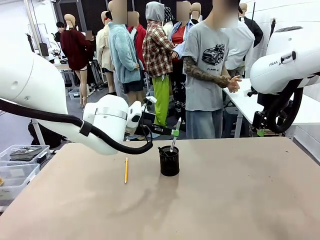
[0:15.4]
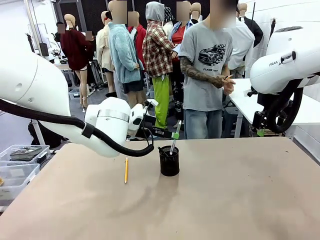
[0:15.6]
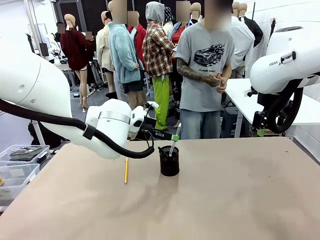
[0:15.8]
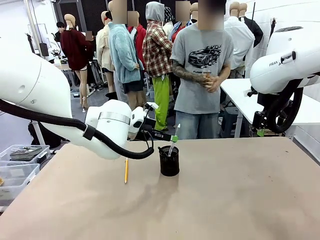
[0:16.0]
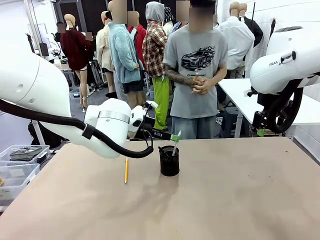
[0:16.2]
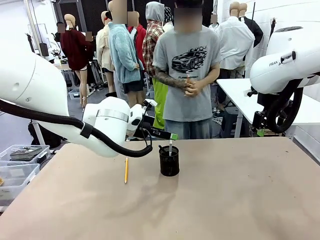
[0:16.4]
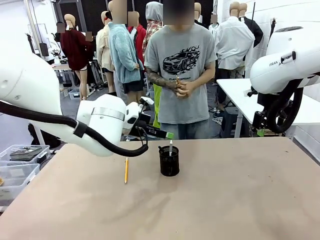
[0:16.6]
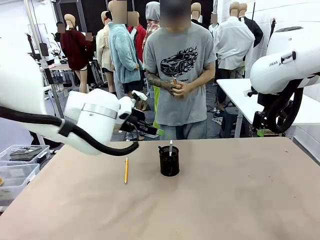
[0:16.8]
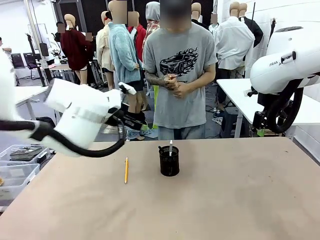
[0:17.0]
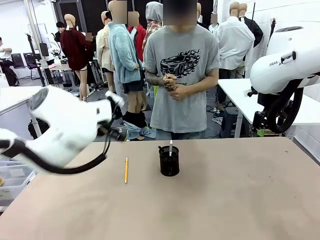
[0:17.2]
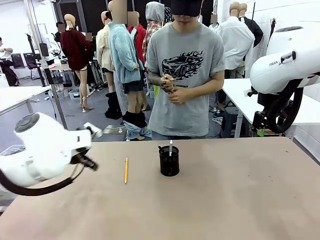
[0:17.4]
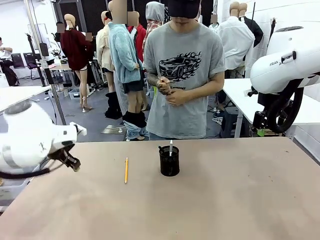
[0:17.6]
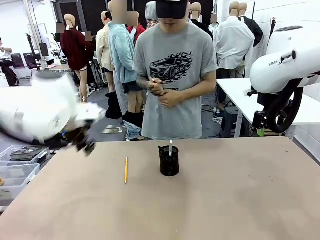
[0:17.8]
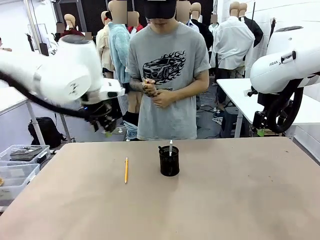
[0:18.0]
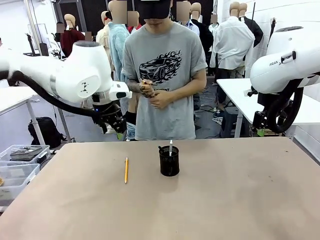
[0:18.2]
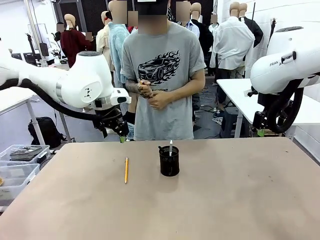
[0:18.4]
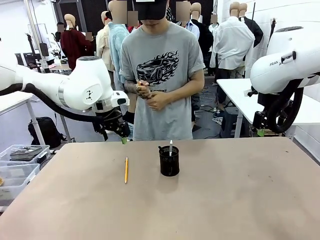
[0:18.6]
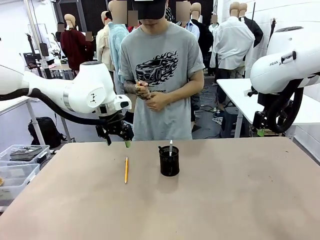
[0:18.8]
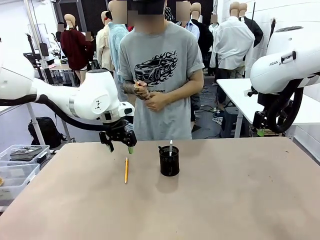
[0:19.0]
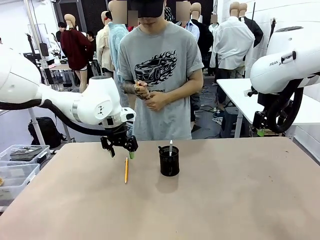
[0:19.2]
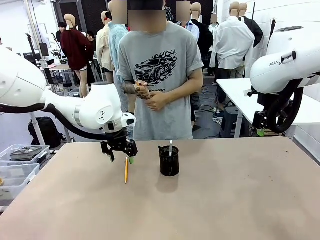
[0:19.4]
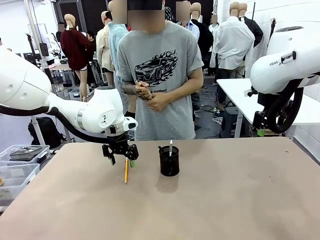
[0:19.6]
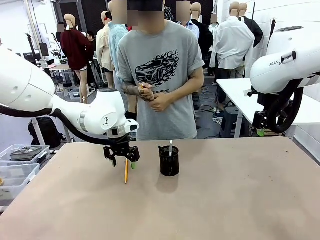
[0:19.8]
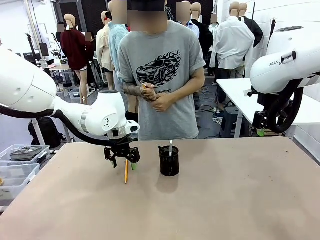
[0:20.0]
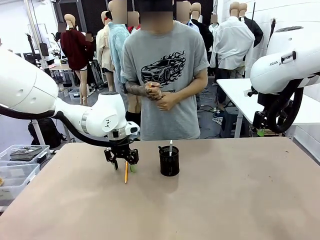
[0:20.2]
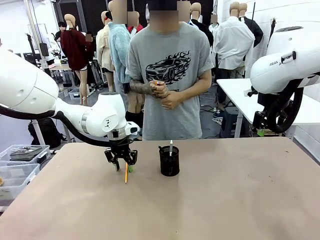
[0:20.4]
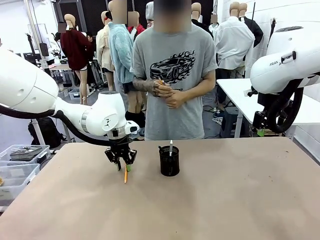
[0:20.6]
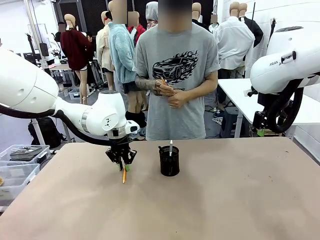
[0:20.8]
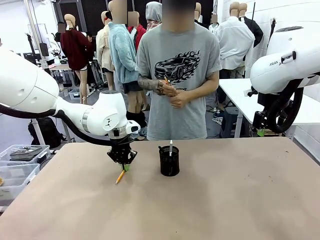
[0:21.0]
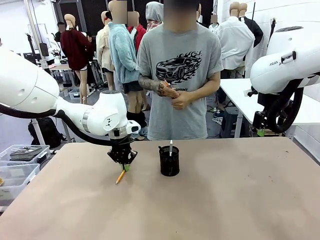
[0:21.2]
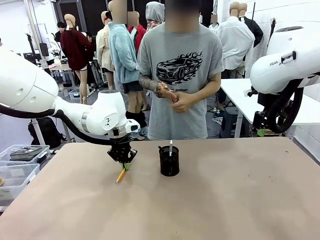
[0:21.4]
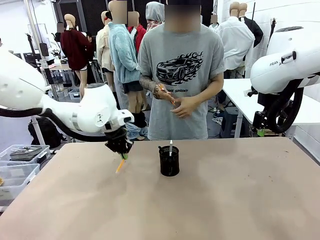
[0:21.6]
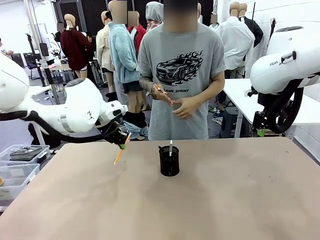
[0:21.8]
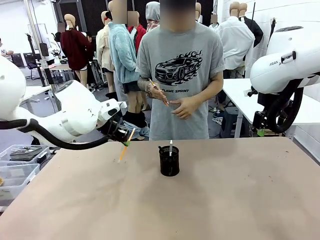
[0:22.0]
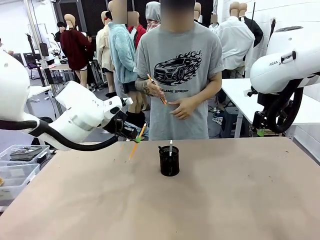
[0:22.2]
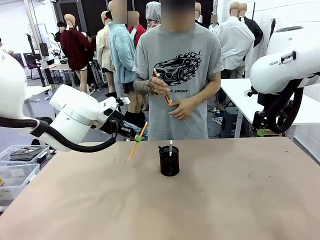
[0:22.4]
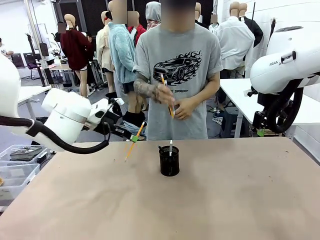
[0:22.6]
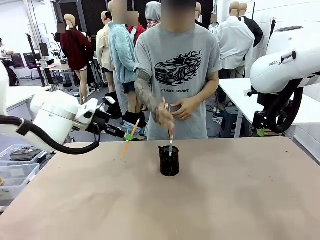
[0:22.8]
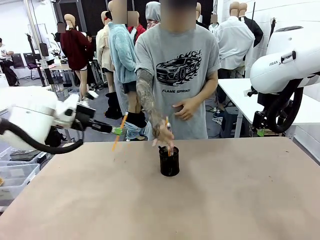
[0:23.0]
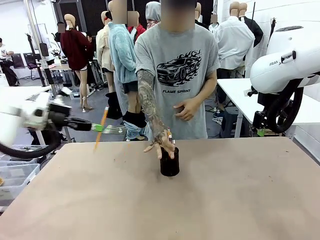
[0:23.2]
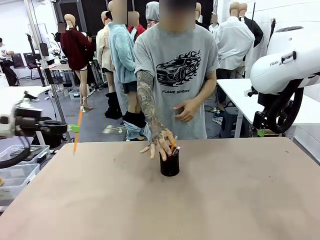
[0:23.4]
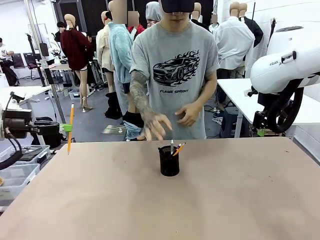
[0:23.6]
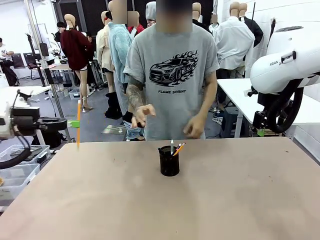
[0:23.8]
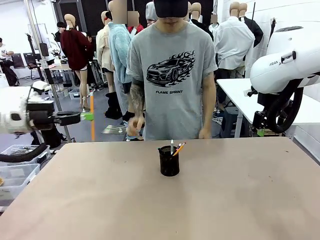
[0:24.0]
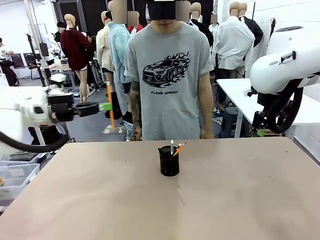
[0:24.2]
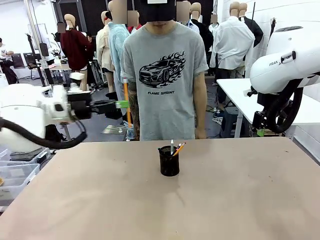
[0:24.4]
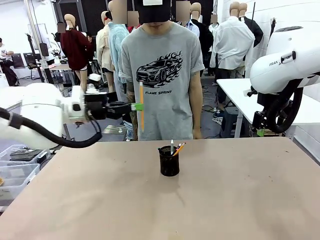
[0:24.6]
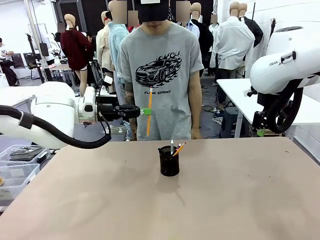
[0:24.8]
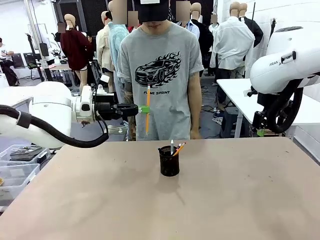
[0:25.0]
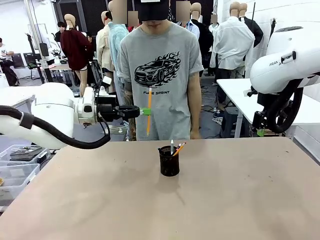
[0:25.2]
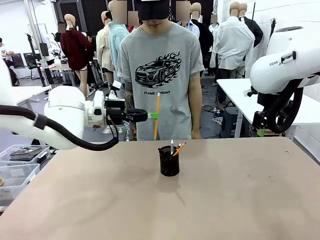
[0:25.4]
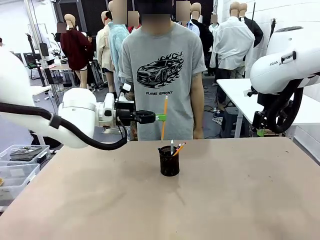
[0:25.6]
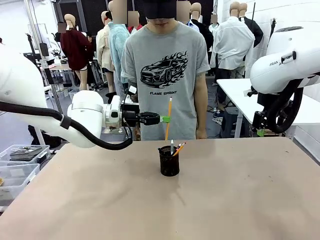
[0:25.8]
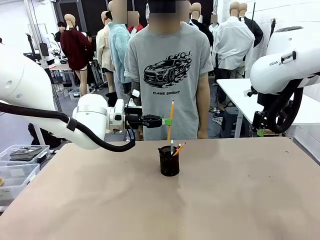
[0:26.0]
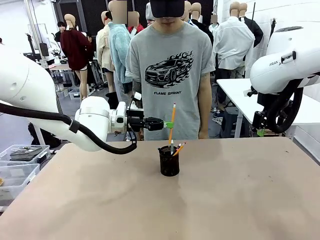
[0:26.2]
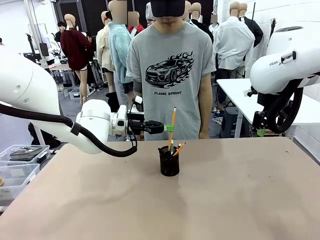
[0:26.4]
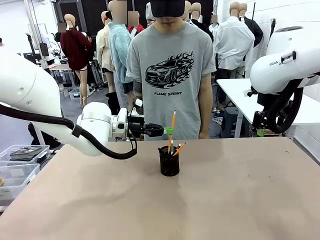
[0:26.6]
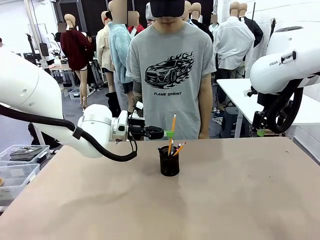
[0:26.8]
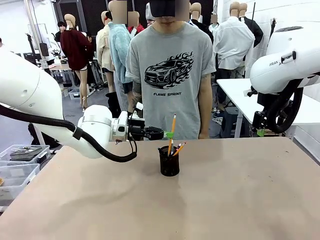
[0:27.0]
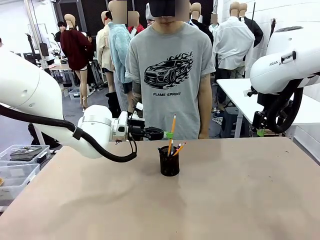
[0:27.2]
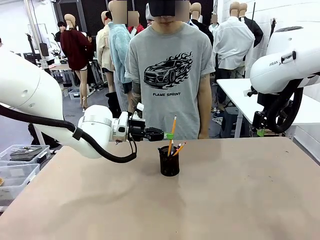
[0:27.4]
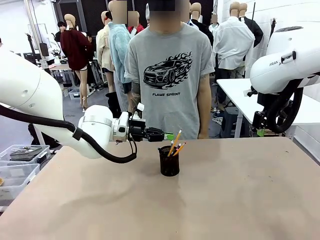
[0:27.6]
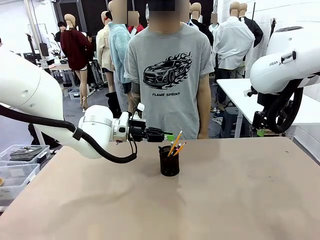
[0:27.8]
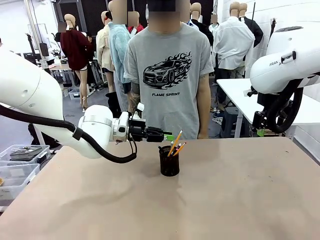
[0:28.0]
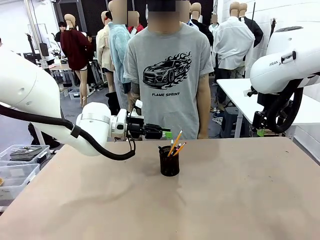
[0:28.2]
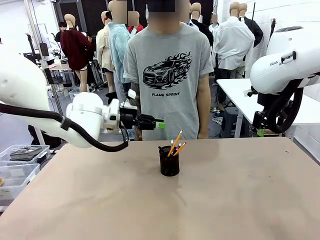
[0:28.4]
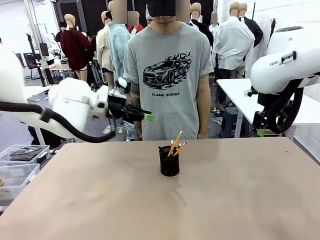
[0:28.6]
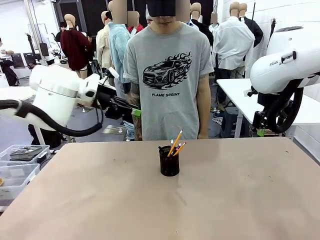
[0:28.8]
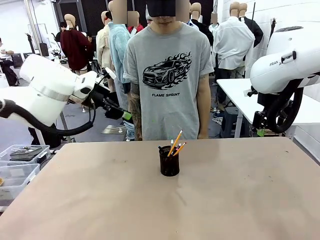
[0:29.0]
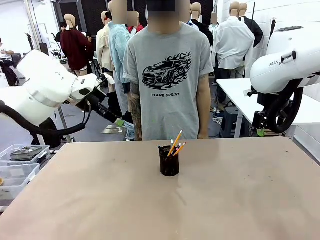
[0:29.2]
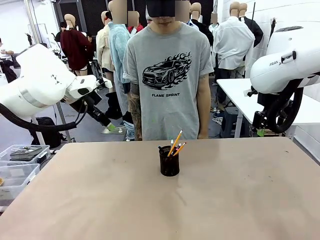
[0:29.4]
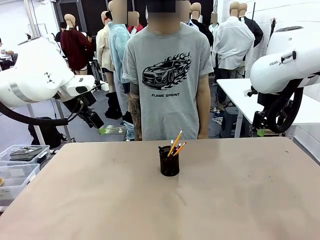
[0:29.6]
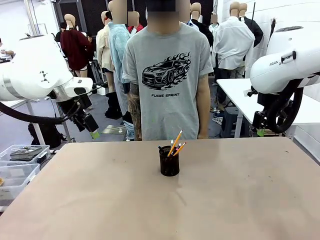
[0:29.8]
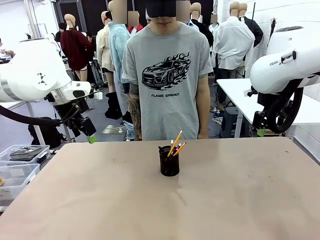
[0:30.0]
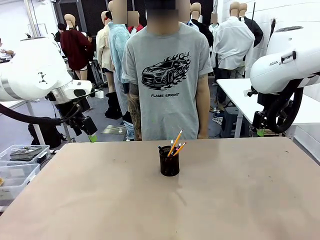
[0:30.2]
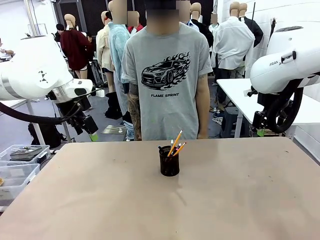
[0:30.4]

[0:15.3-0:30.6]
Task: Place the pens into the pen holder.
Robot: Pick up a writing instrument from the table and place it into the Pen holder.
Person: Place all writing instrument into the Pen holder.
